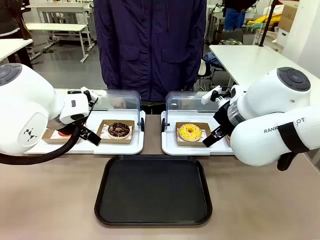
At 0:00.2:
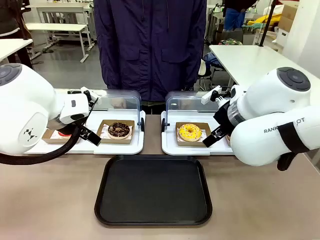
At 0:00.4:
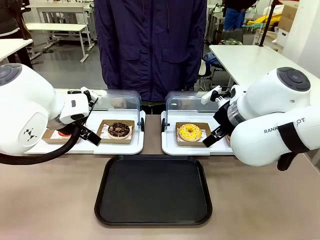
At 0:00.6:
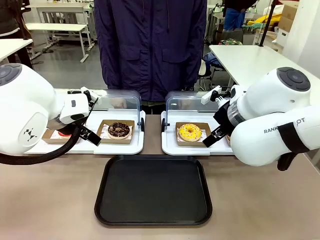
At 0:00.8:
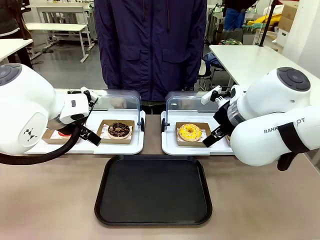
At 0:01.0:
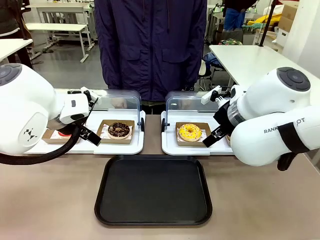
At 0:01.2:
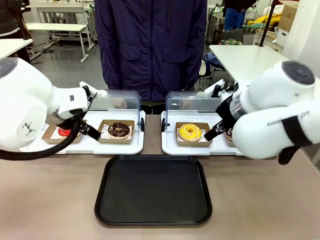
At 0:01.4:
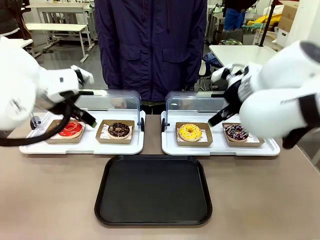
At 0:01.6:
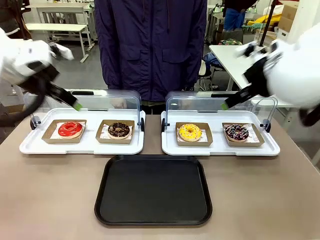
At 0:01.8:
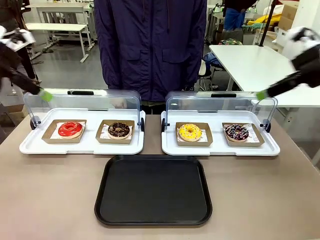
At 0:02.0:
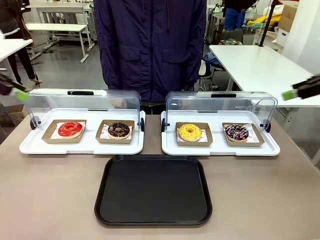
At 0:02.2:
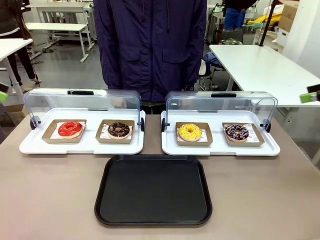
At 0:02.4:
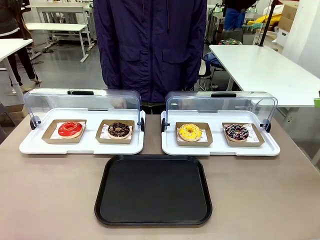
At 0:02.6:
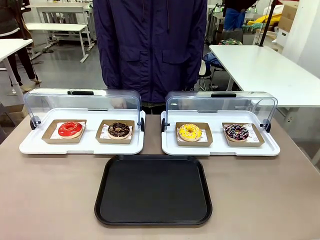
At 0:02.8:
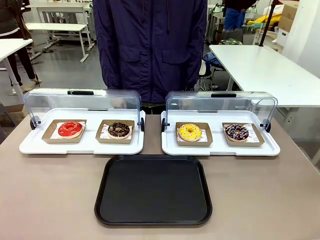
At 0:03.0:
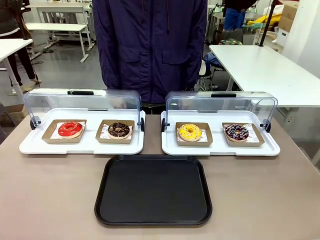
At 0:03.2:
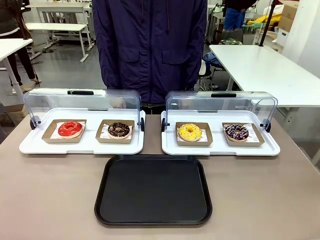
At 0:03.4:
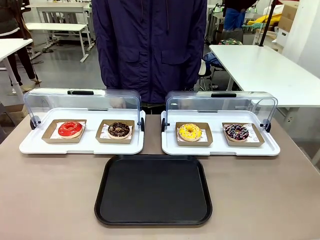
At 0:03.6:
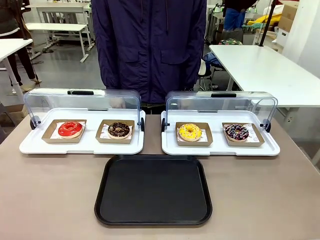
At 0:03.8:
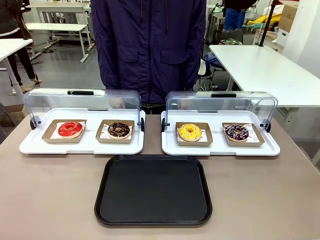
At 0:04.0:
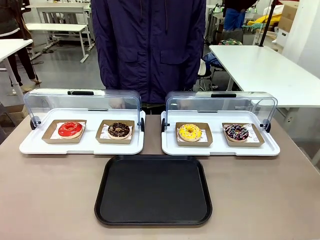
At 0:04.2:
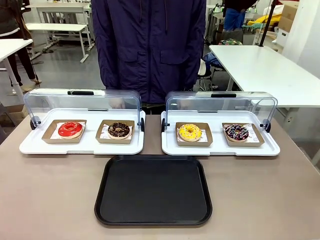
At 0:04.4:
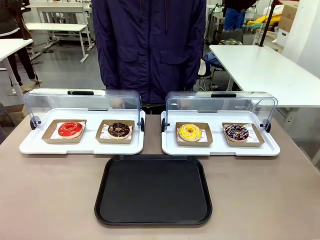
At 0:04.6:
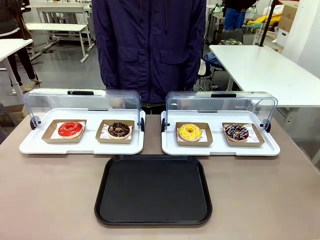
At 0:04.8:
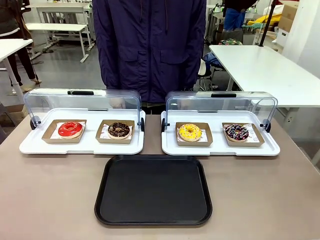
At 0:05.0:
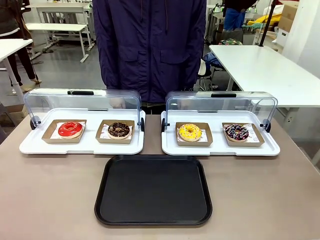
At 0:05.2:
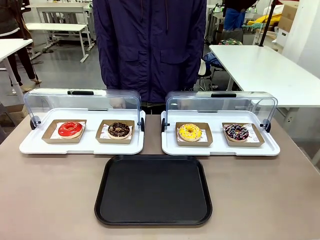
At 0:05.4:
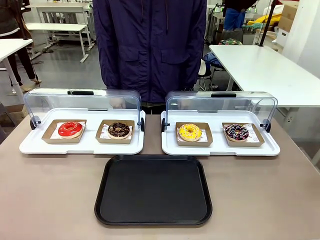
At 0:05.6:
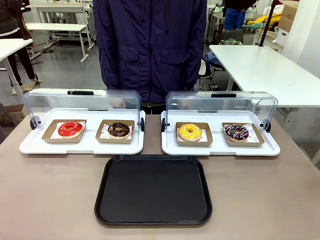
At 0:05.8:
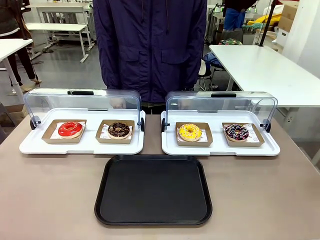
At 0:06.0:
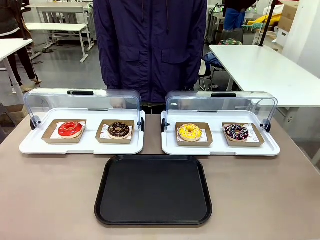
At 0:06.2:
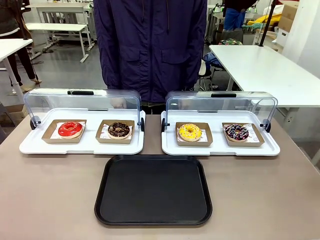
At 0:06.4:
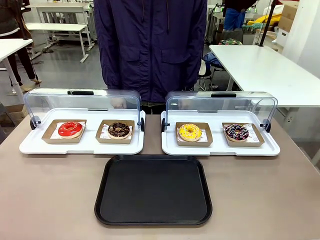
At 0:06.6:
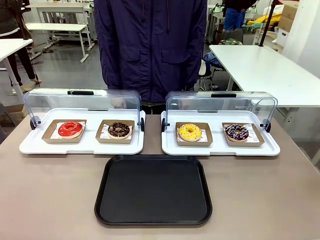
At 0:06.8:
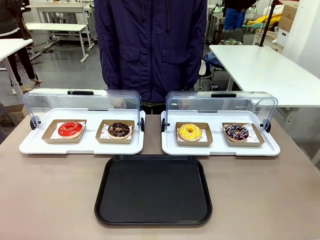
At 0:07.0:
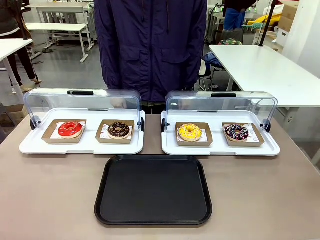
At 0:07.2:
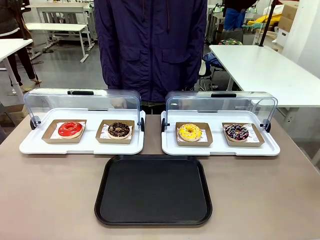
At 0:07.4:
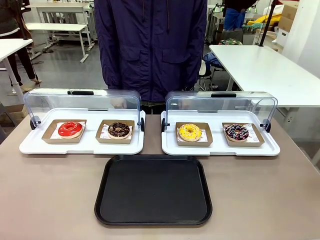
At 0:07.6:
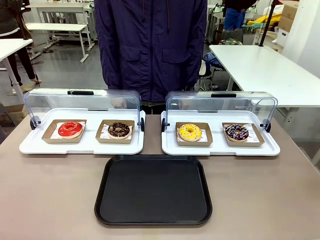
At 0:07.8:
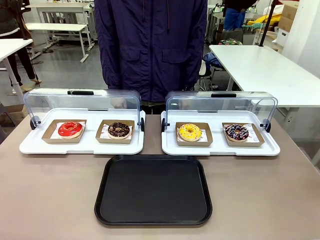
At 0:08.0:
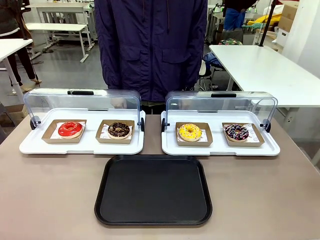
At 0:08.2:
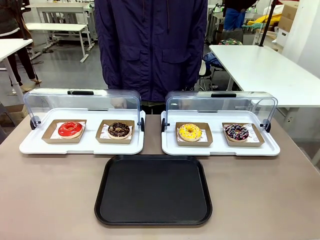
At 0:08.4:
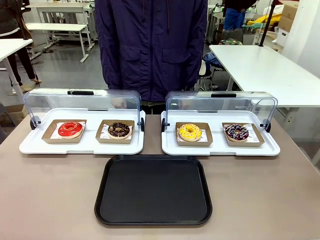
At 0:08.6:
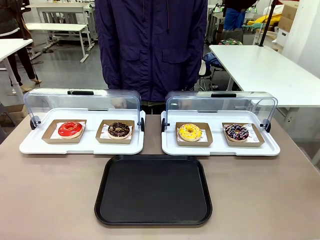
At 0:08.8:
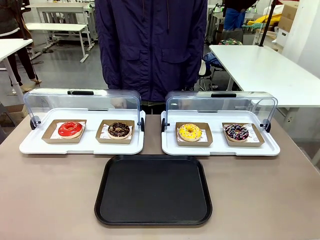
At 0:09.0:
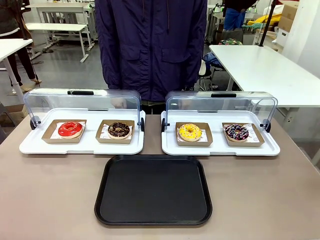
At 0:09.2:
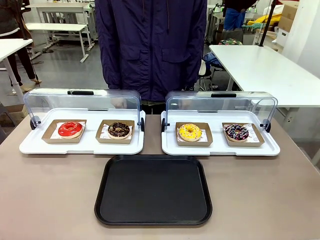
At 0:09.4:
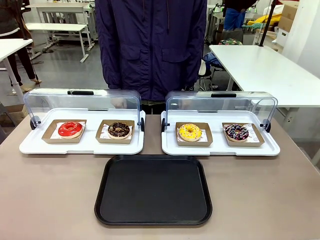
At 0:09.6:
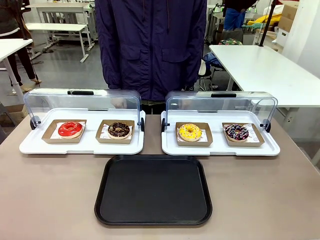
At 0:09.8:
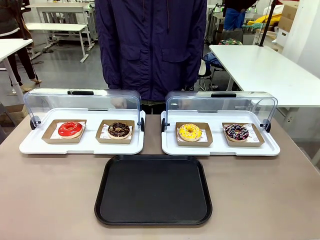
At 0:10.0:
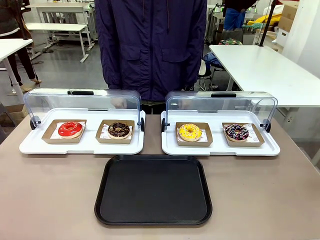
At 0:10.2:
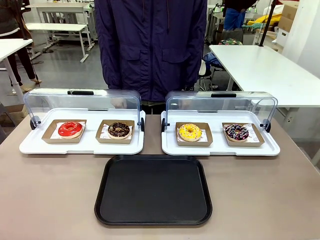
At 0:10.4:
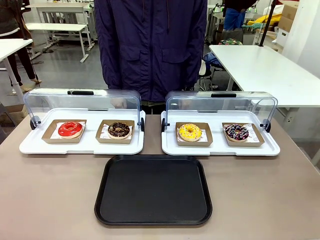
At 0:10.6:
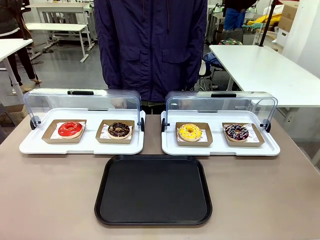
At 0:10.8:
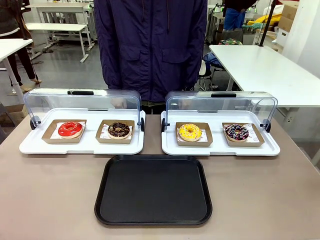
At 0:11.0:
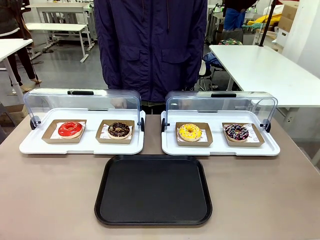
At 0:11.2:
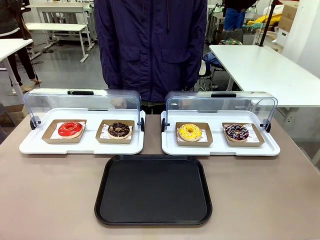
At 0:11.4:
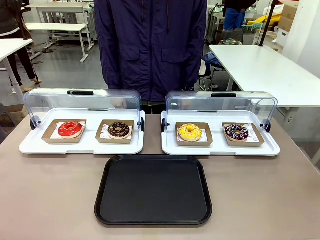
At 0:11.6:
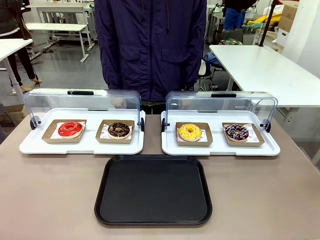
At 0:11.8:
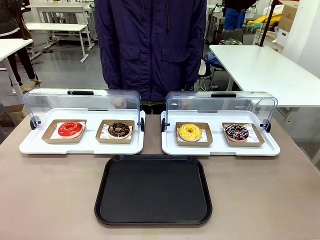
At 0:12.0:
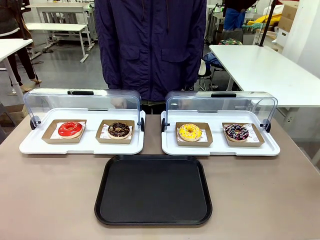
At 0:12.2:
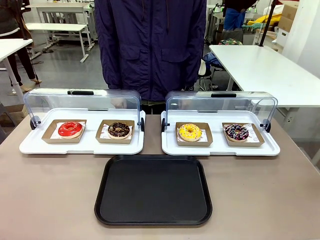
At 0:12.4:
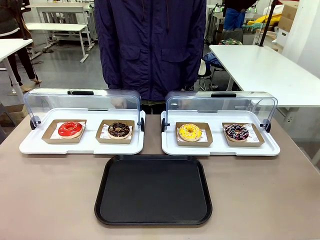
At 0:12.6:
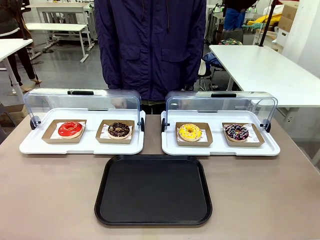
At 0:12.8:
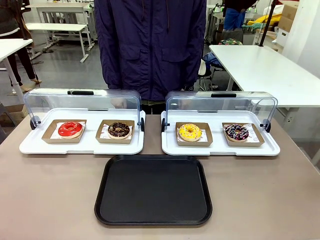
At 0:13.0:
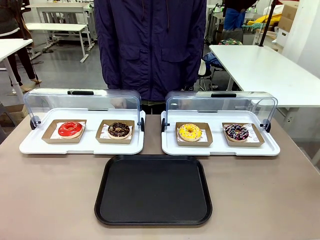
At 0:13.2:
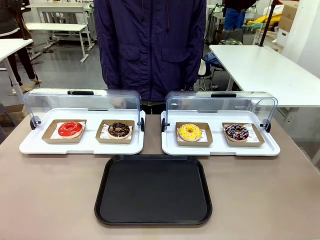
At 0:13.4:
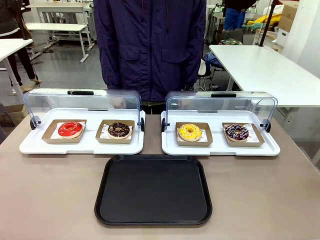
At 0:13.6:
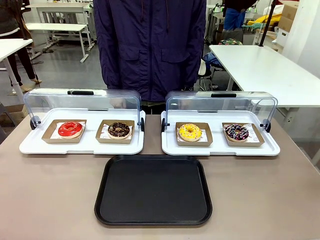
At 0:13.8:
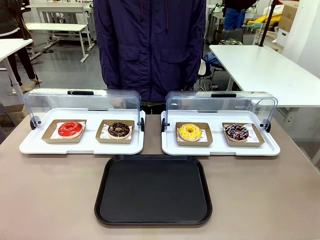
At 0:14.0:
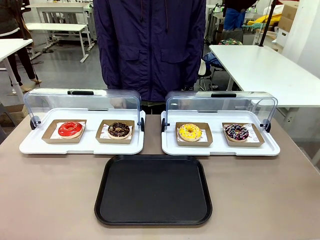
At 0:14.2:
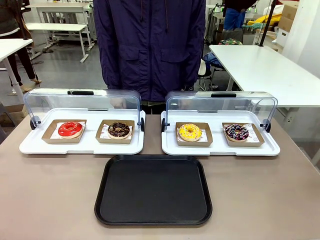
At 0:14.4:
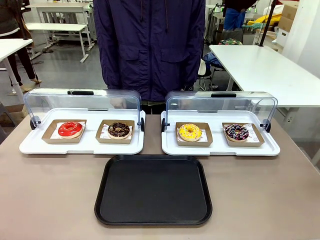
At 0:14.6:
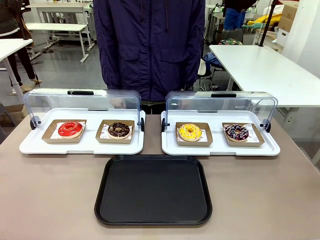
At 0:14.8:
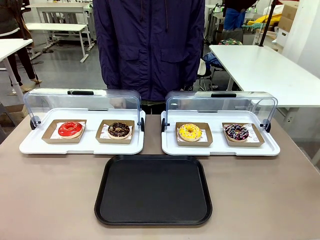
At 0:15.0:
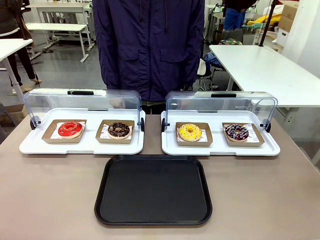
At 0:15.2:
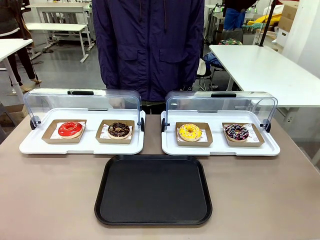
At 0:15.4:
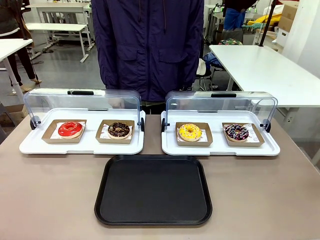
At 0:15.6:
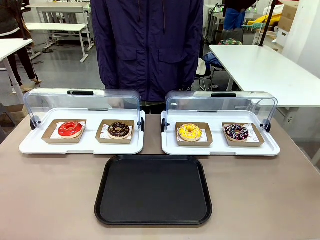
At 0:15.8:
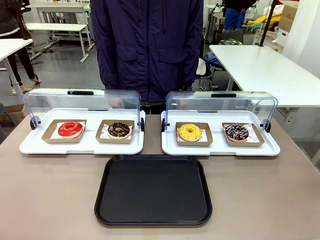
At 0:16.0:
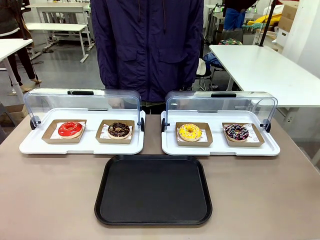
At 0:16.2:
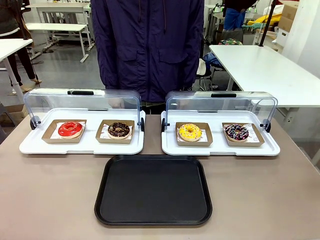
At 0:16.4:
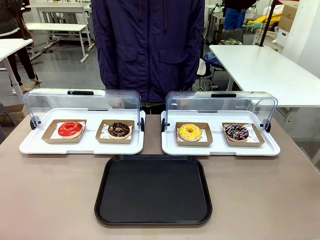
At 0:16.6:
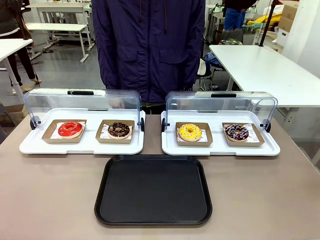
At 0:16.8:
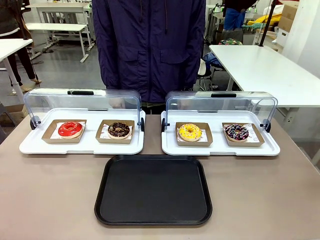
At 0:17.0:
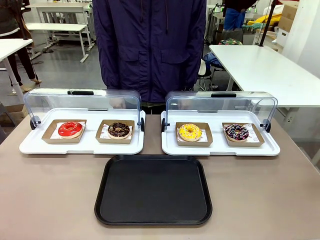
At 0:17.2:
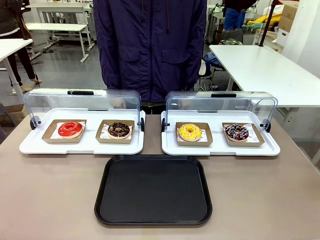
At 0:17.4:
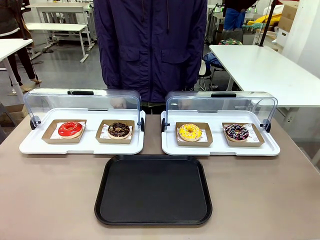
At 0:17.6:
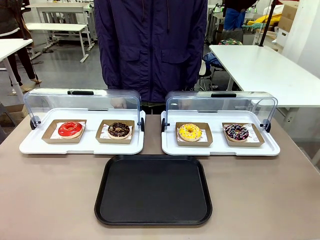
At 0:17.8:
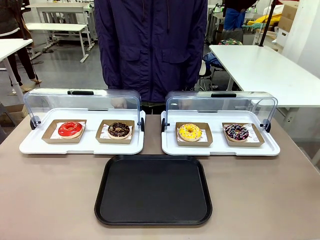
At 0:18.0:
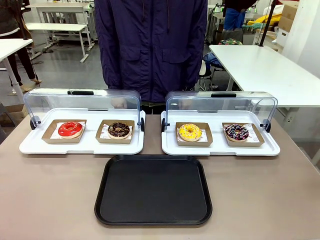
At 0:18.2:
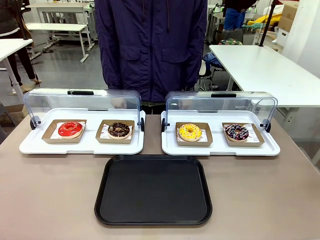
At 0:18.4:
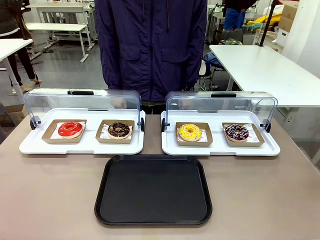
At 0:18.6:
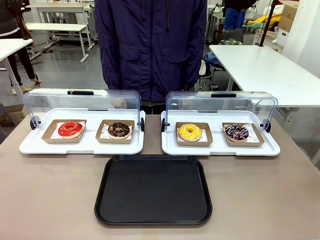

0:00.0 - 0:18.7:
Task: Move the third donut from the left to the tray.
Robot: Pick up the Paper togo box containing the Donut indicated by the person and place it on the Handle tray.
